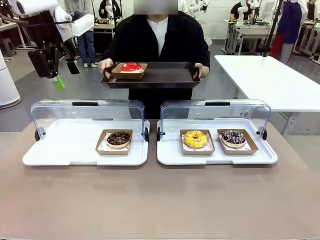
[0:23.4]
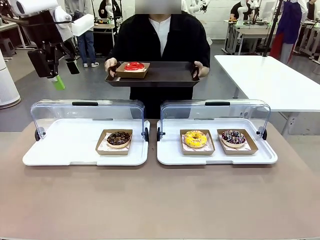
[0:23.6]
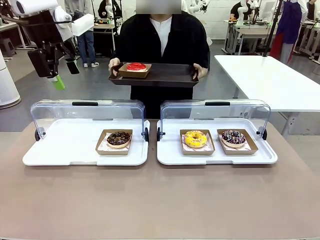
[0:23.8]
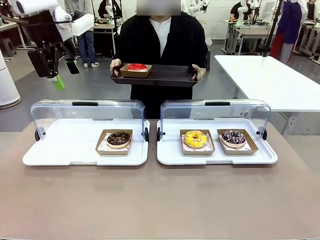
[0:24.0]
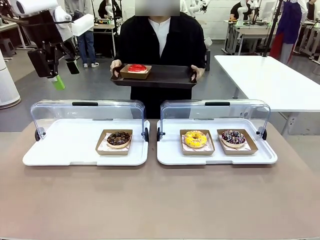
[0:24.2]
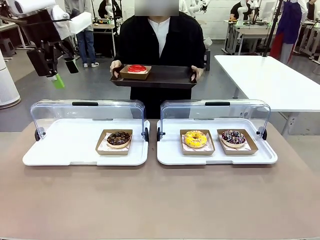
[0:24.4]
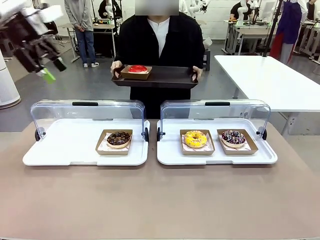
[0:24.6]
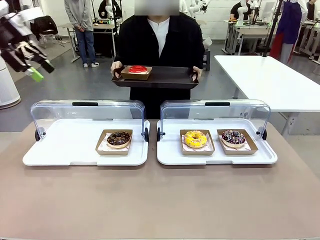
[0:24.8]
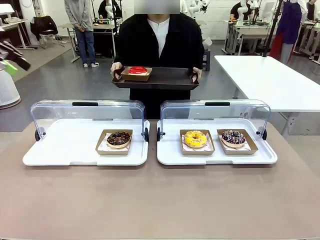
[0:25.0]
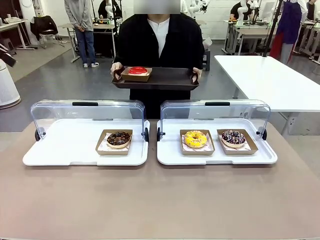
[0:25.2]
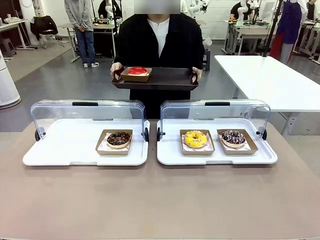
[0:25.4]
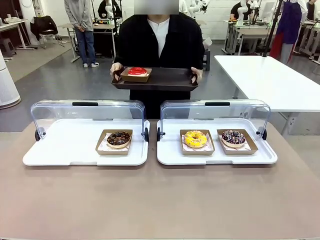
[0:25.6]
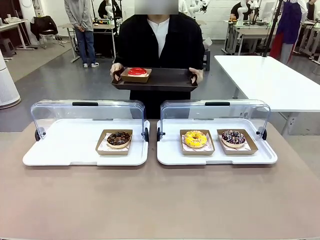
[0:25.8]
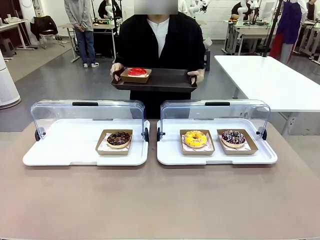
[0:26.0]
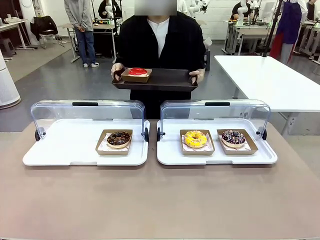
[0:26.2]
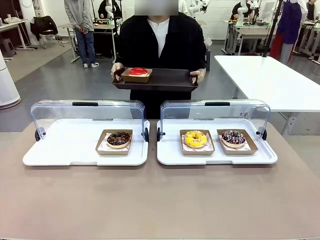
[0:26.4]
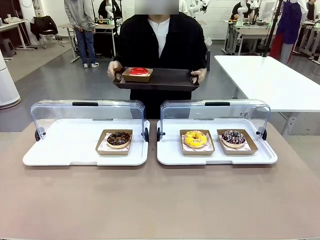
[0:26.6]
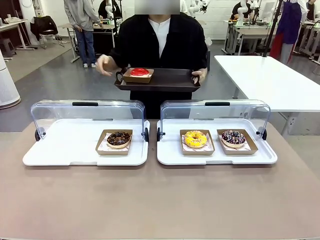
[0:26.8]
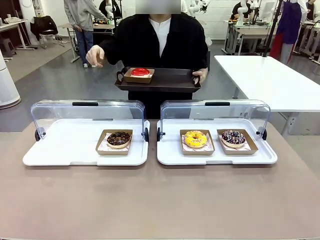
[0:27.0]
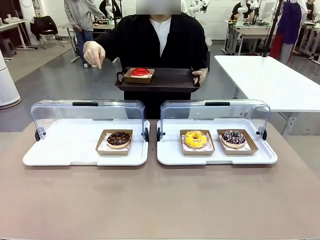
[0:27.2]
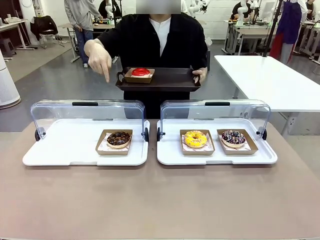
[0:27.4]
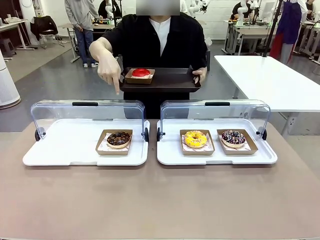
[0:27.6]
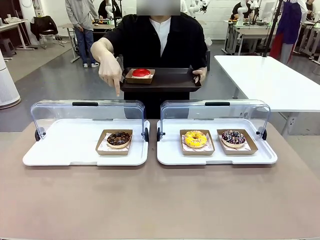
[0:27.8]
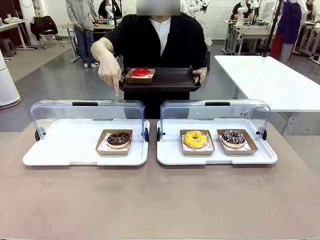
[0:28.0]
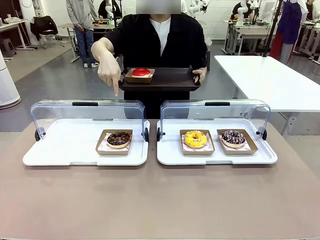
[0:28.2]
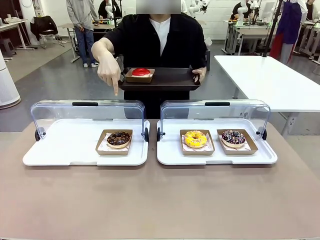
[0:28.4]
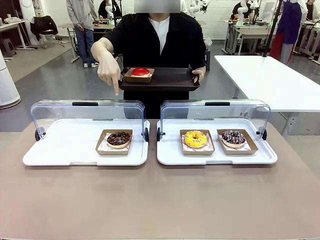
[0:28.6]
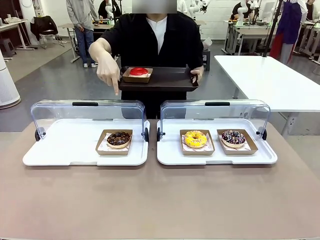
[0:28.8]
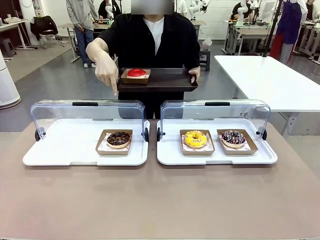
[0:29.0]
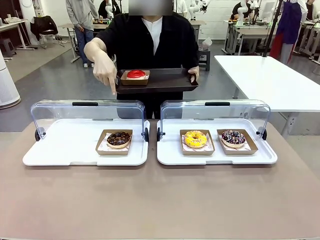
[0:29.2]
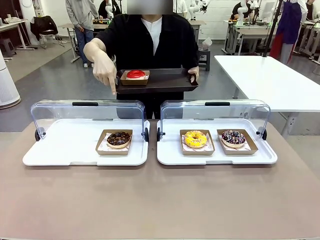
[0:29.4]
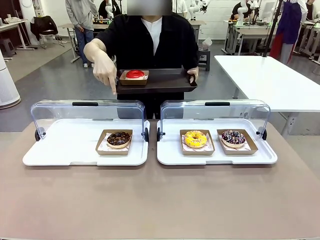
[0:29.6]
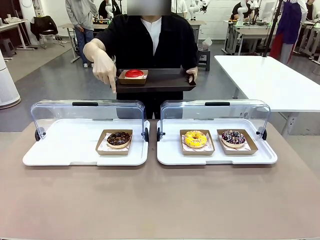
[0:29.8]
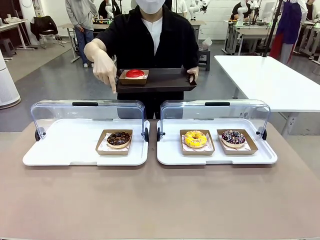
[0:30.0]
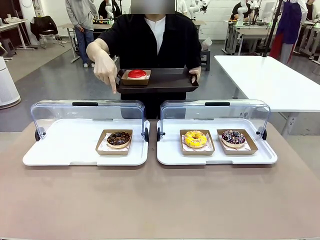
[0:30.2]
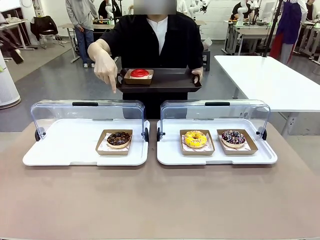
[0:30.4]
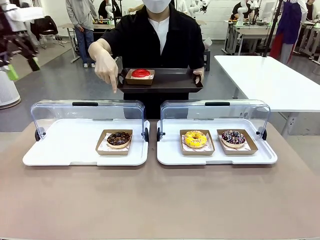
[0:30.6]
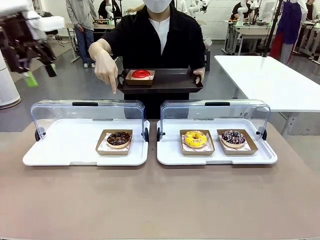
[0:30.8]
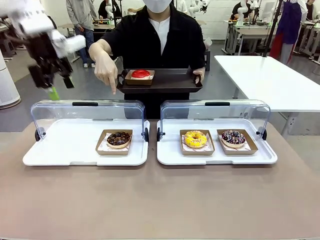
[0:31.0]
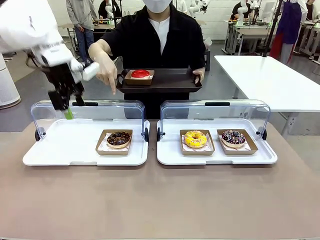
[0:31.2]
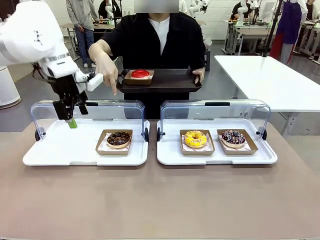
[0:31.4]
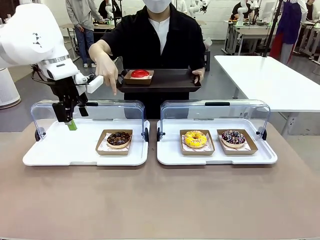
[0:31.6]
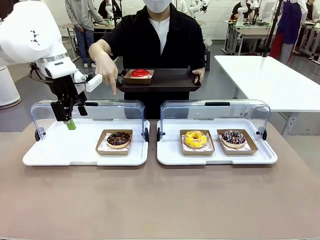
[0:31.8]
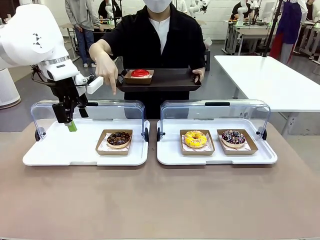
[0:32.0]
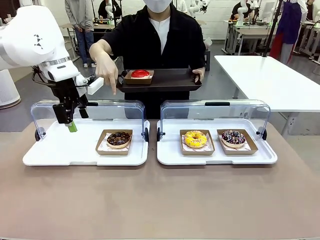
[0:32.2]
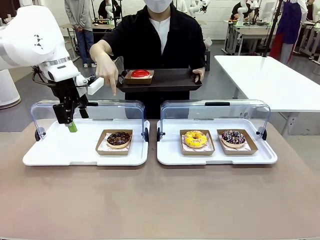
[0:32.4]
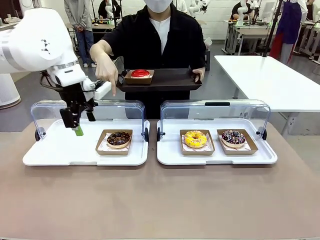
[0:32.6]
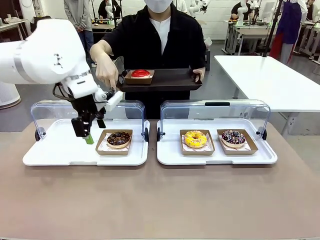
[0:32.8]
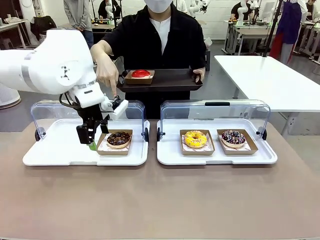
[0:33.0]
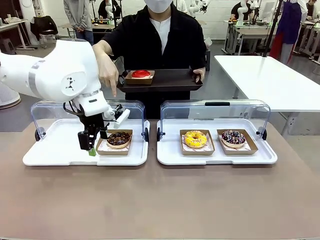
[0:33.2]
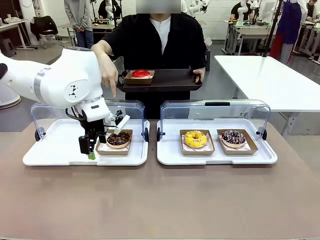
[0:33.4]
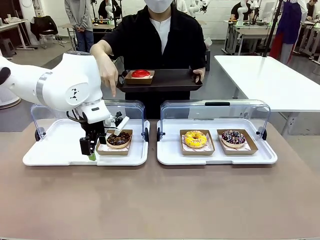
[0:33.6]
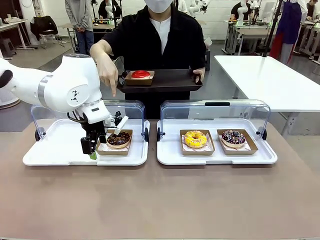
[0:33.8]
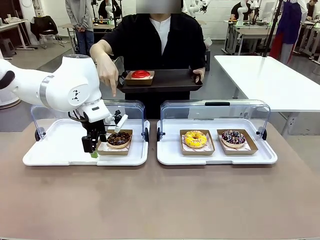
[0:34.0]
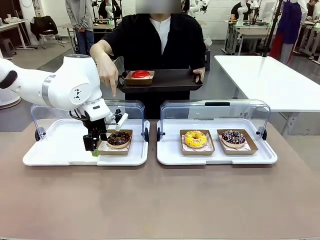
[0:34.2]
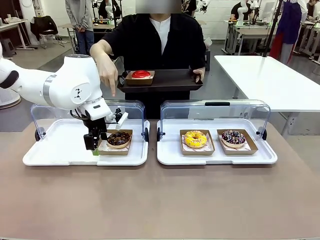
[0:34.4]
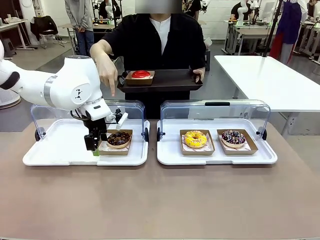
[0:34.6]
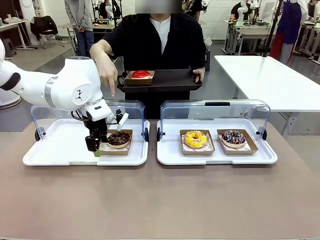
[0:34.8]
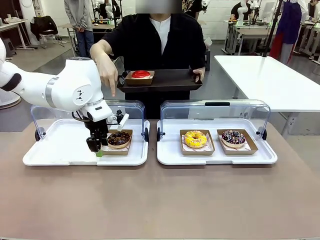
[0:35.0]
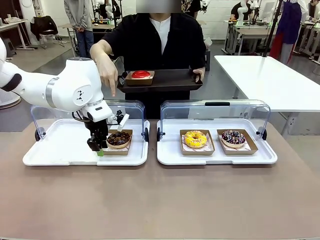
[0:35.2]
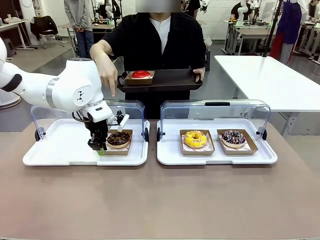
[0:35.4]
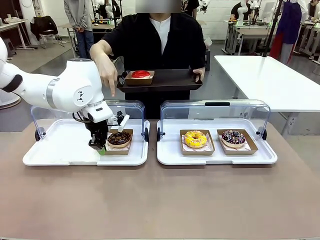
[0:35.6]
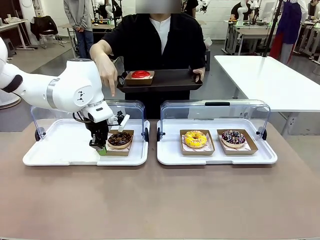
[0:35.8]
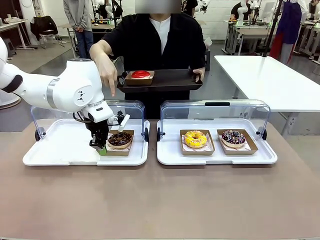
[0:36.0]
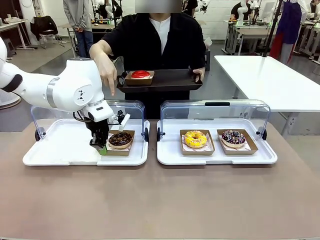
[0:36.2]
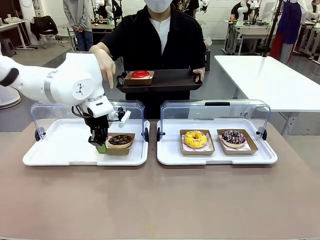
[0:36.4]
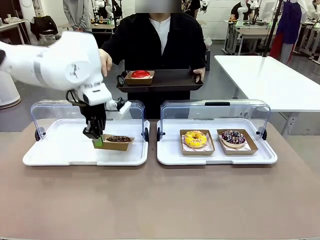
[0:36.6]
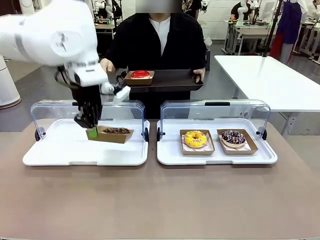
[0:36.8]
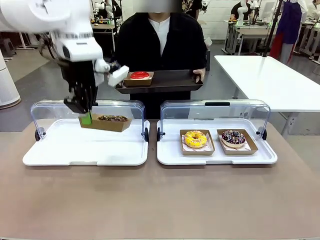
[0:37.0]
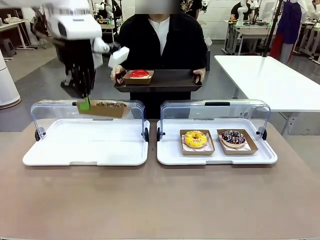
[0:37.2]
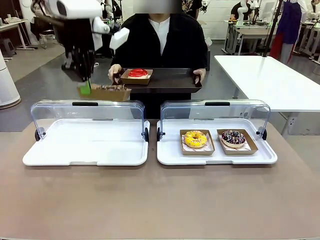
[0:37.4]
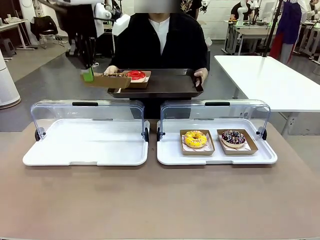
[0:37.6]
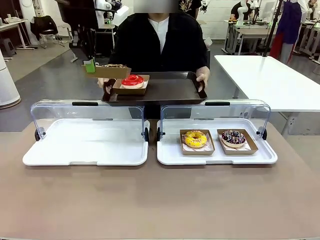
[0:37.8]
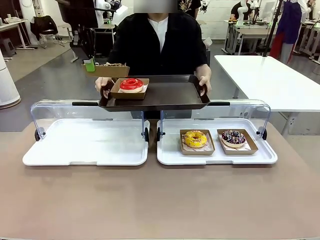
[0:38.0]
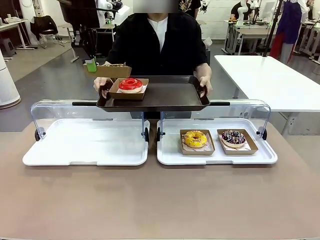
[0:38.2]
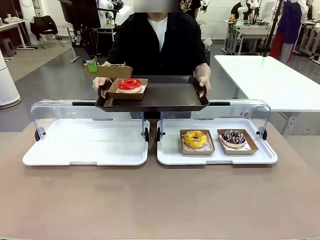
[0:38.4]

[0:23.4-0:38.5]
Task: Provide the desired donut to the person.
Robot: Pick up and lift the Paper togo box containing the Donut pointed at by the person.
Person: Point to one donut. Lift the tray onto the Roll-Top Bakery Case.

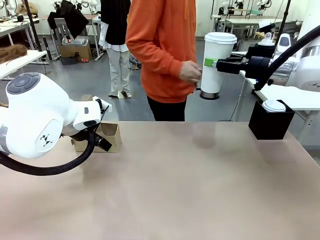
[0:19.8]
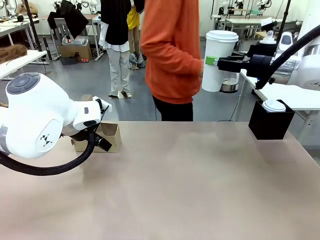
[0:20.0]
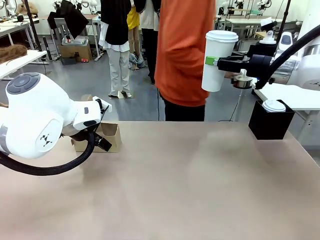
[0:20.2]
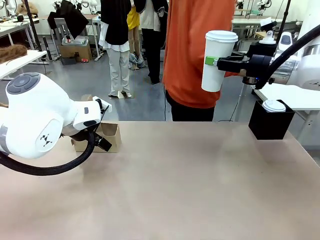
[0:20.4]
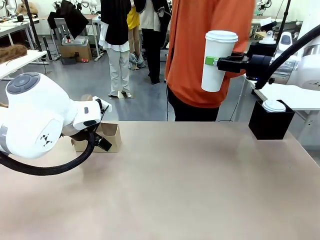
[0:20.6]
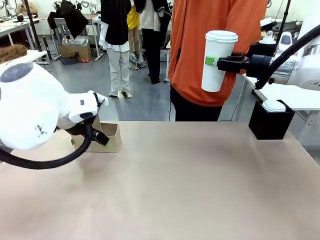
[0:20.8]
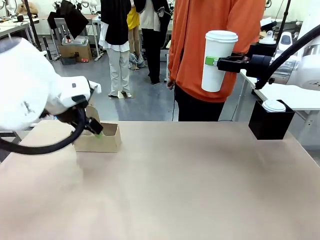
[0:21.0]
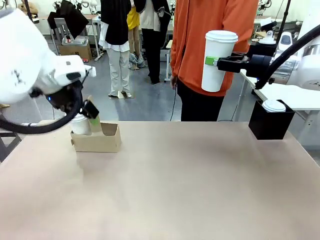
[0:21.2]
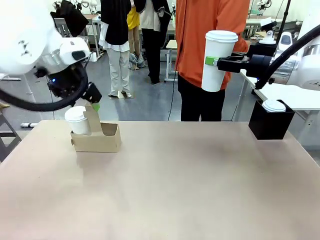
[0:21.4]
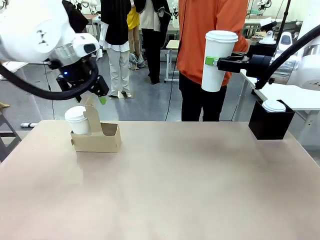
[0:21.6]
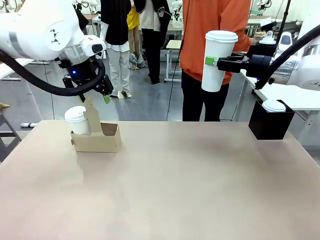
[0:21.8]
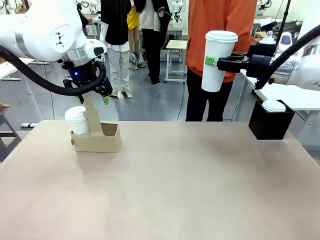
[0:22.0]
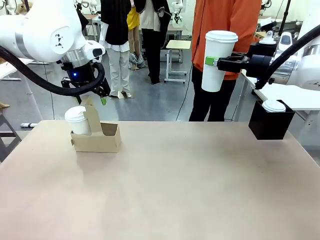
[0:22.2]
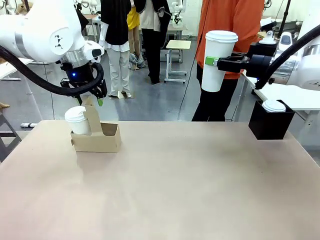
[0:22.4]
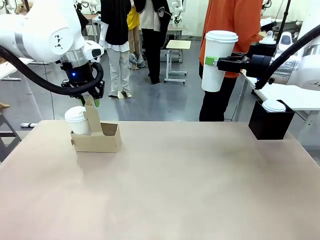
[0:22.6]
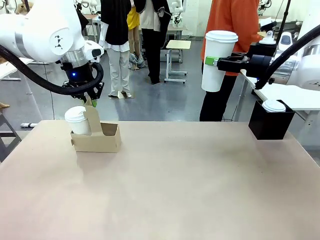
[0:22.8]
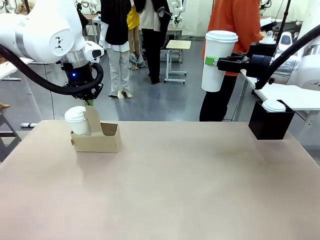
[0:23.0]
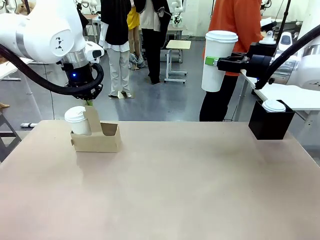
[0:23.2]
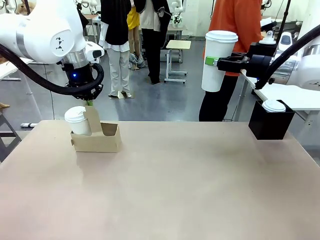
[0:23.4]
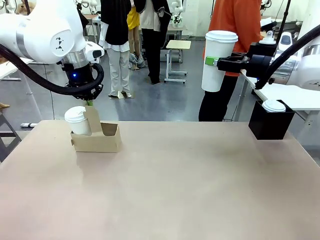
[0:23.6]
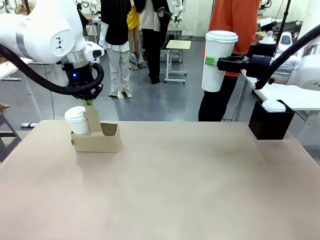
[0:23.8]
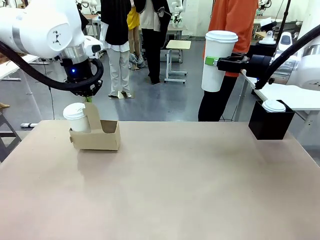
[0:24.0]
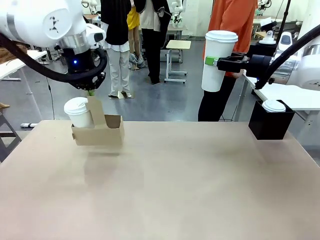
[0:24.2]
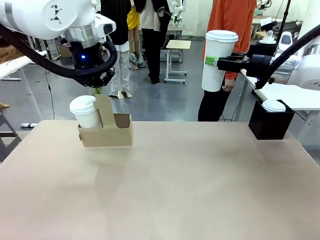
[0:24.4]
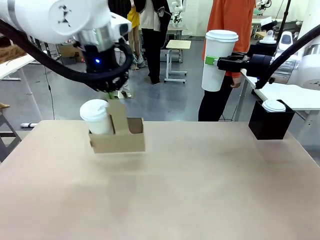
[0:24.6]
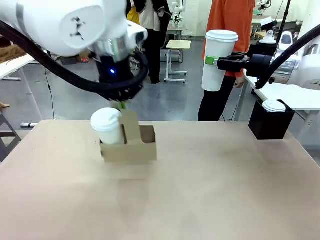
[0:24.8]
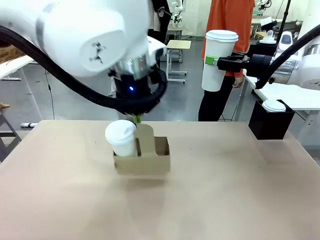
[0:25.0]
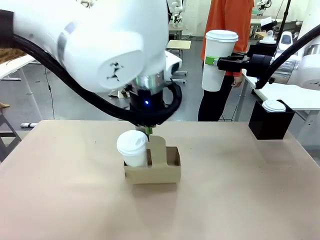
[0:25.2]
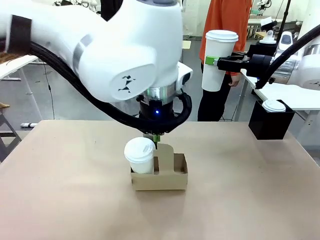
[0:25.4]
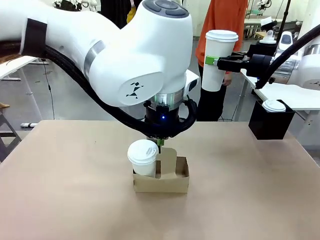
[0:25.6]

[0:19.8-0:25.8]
Task: Pour a drink into a cup and package it in a carrier.
Robot: Position the Cup Carrier in the center of the table.
